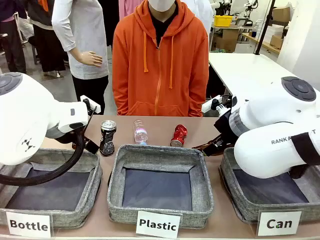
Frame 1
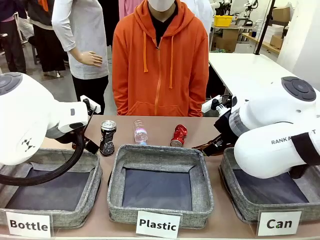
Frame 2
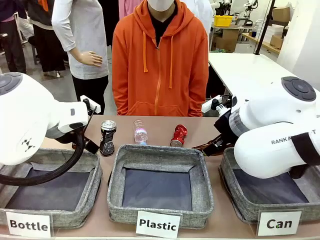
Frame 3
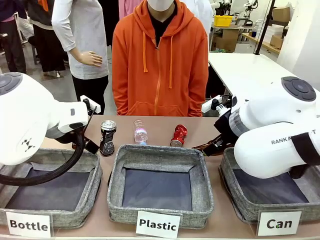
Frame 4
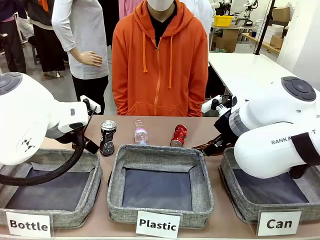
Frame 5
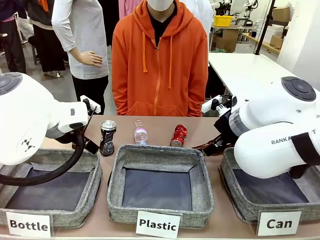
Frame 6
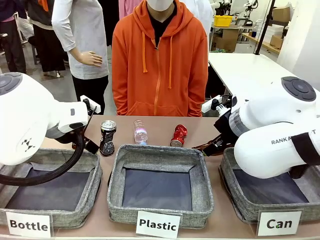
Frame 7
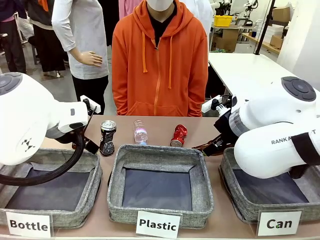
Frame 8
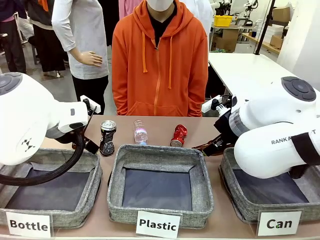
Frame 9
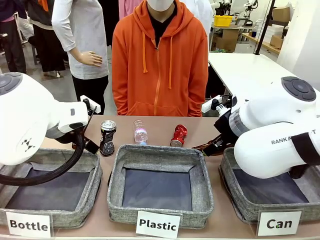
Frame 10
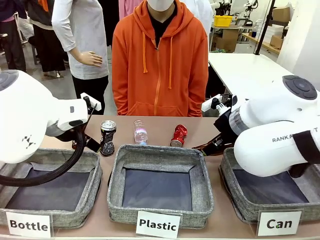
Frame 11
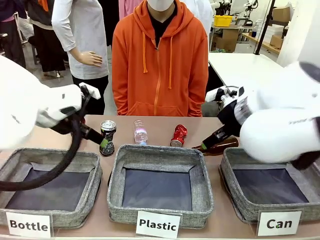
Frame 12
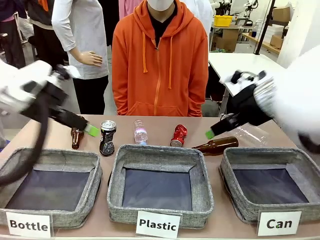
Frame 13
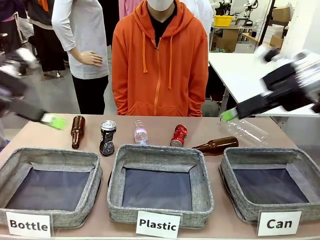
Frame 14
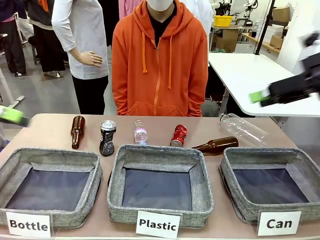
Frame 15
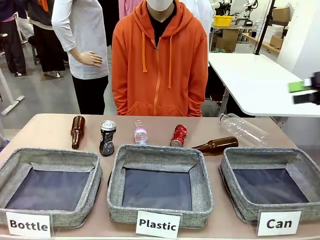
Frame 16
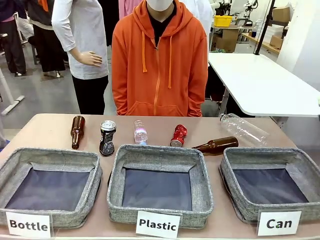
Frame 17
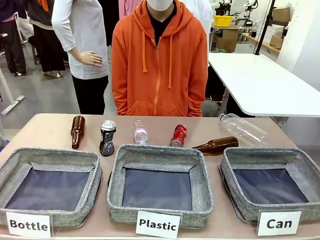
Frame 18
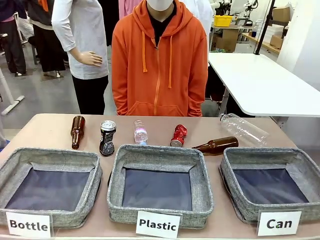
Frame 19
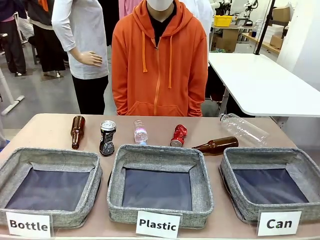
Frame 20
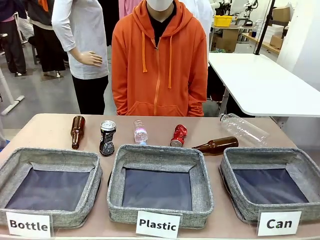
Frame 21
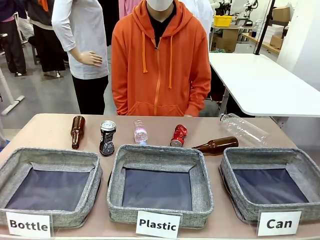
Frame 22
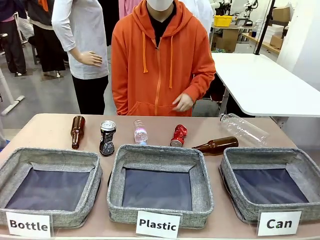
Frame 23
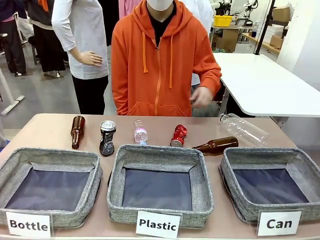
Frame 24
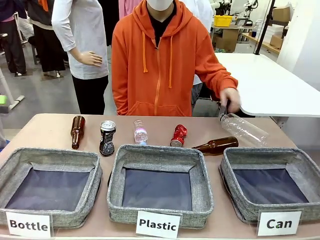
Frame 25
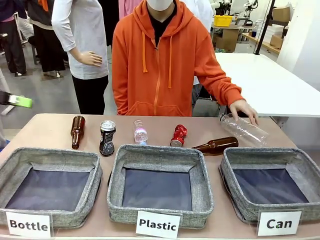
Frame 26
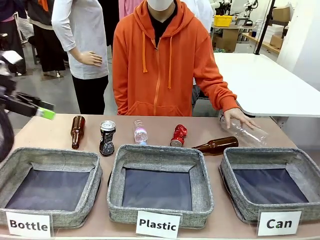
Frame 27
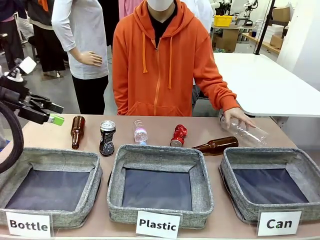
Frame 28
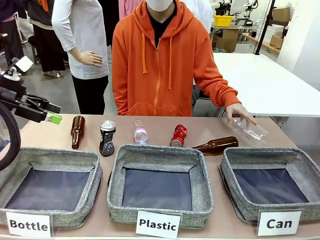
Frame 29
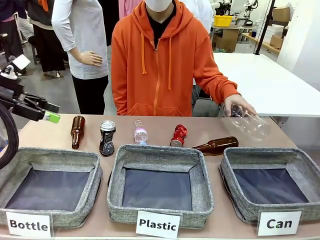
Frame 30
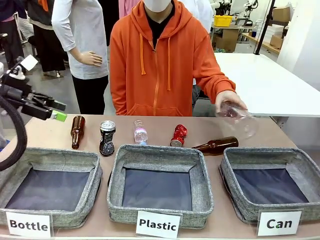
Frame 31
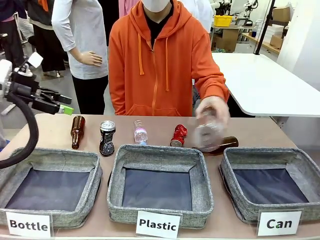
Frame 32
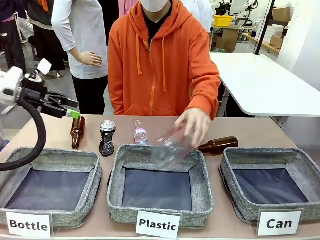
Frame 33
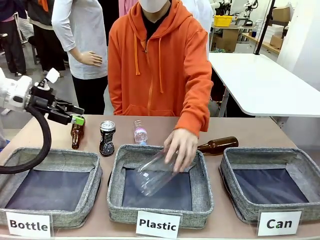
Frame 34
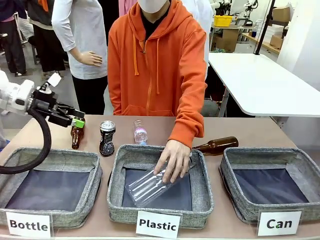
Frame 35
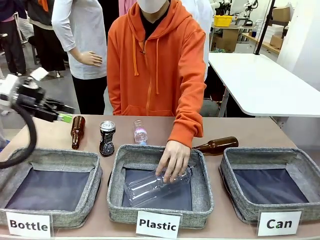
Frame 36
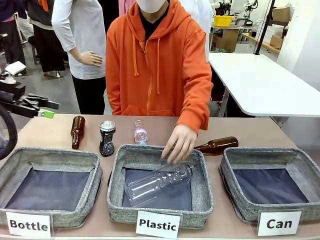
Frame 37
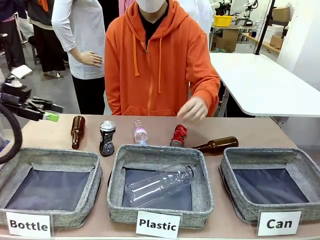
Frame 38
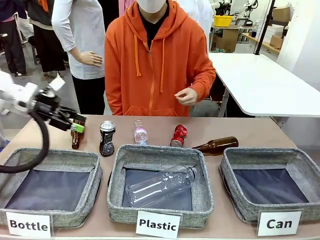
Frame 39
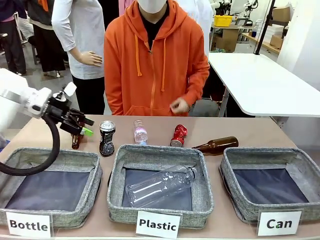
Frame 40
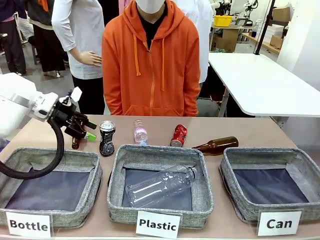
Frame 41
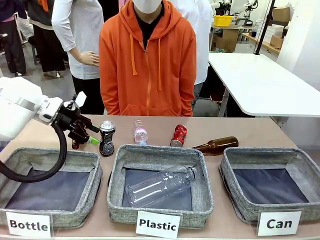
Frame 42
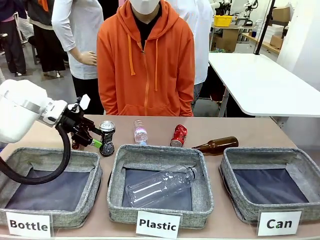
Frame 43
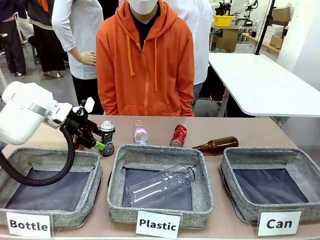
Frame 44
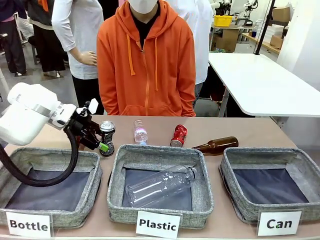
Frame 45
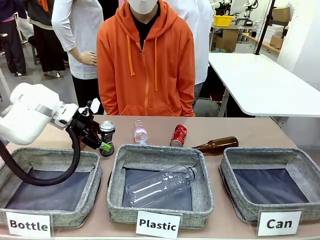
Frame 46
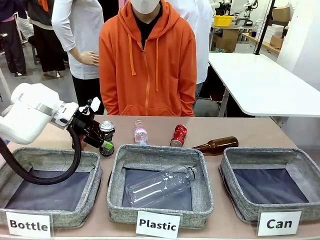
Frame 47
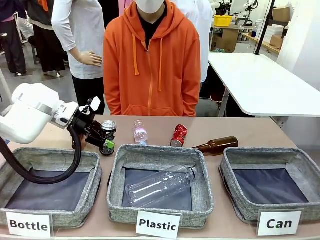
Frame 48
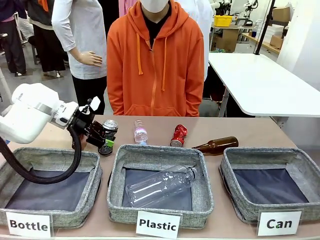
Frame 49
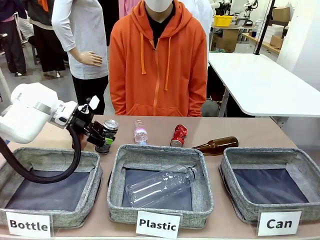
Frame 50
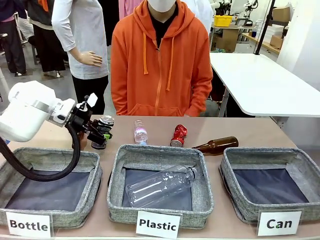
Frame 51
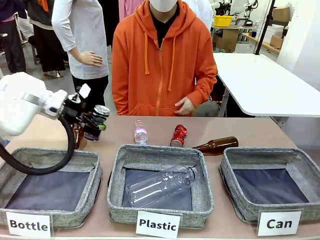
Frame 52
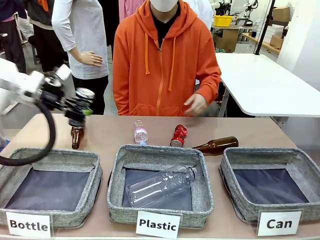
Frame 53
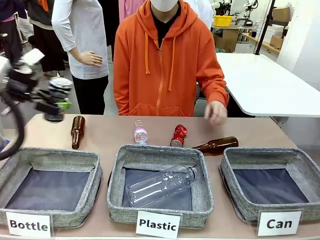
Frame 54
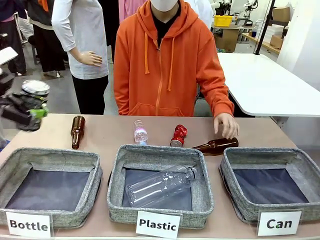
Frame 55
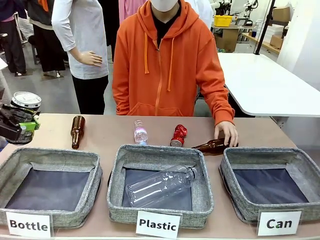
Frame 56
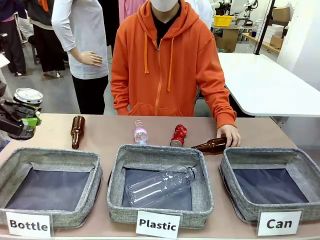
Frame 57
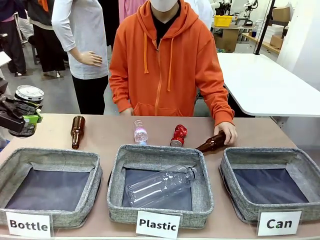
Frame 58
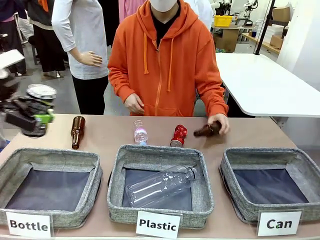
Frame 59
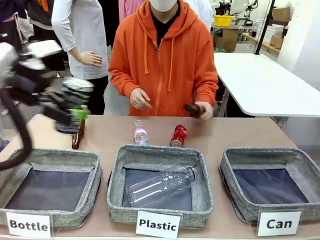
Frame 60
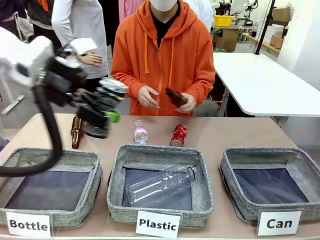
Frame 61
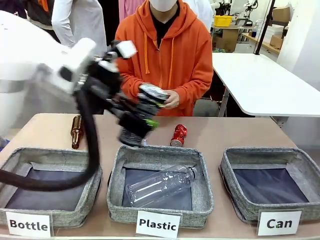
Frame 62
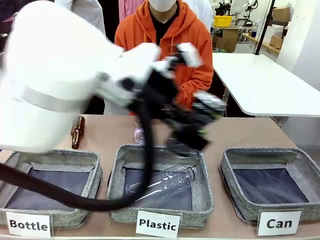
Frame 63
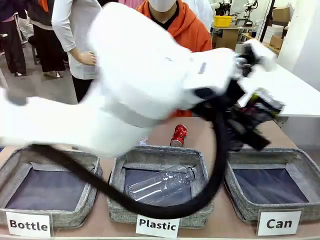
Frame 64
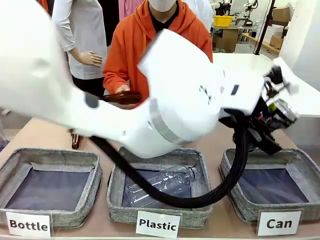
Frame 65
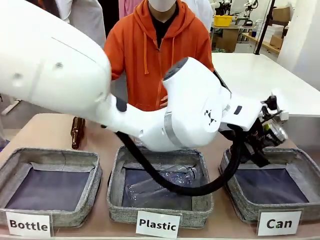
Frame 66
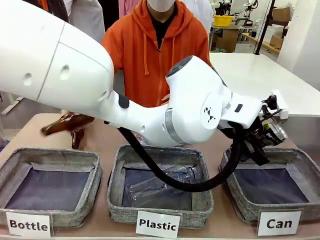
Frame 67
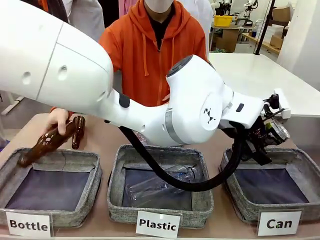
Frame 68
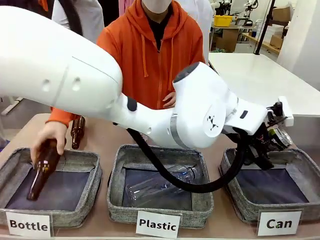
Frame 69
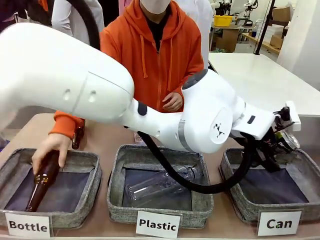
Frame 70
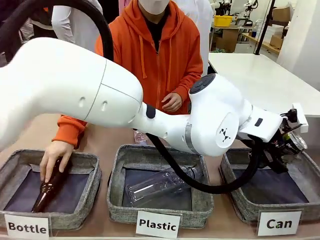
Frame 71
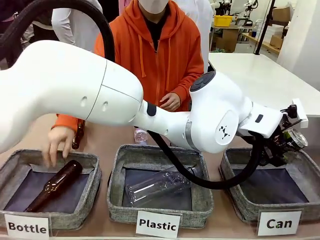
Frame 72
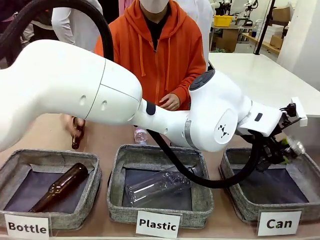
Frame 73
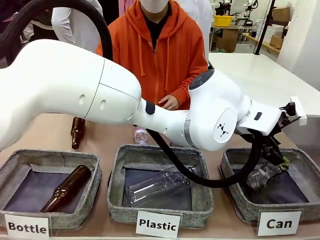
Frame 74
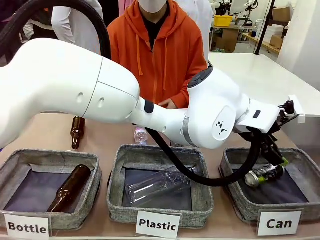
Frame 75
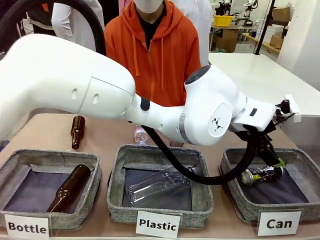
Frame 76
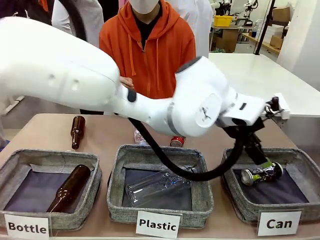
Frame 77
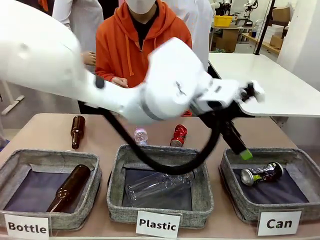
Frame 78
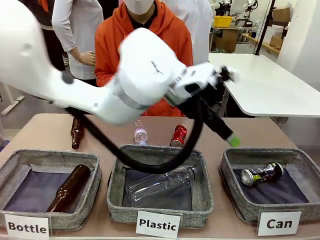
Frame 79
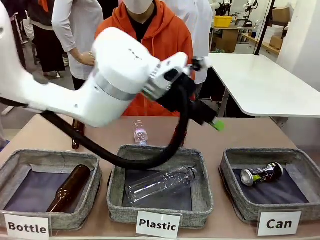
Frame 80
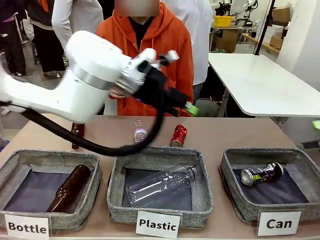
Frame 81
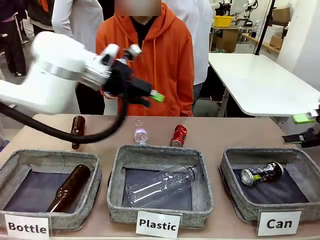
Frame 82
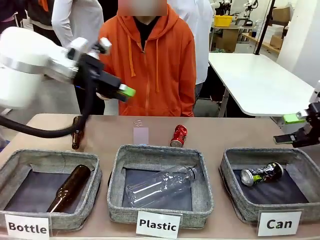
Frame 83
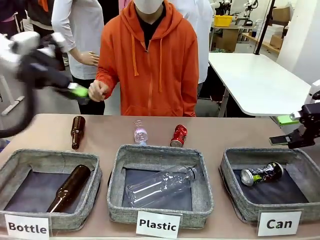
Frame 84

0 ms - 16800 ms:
Task: Sort the can waste into the basket.
Robot: Pick up the can waste from the table and place it in the right Fabric basket.
